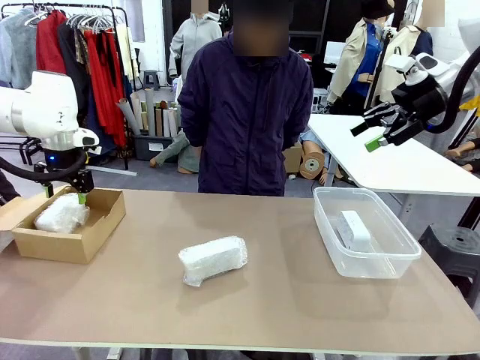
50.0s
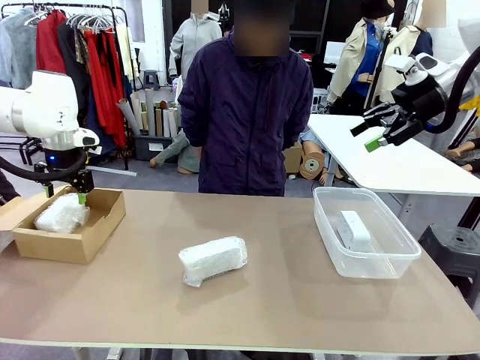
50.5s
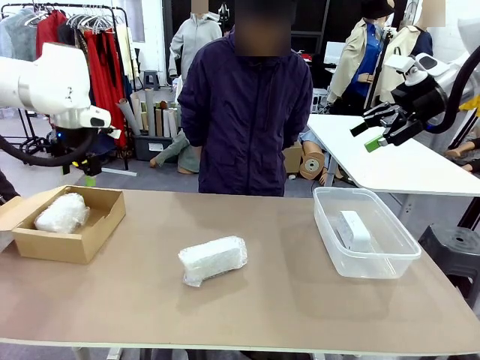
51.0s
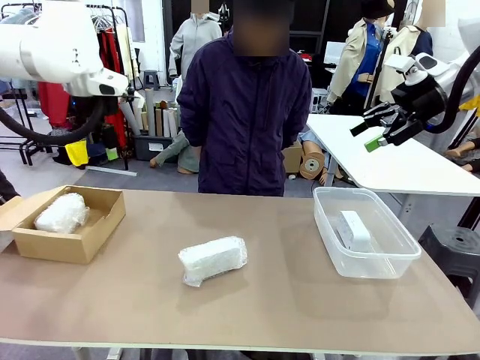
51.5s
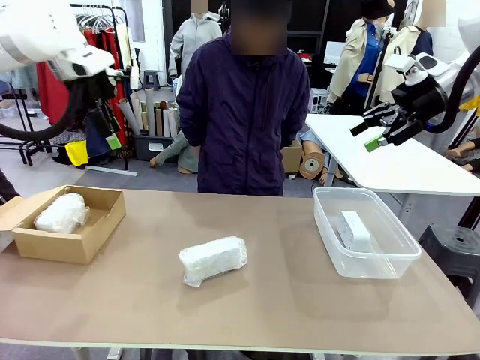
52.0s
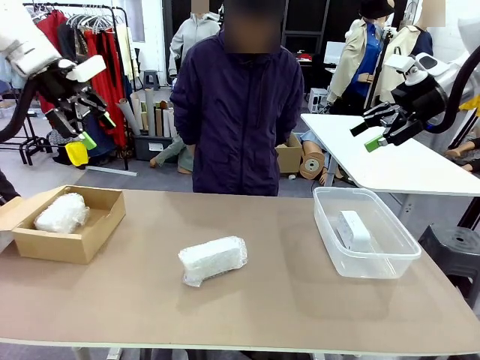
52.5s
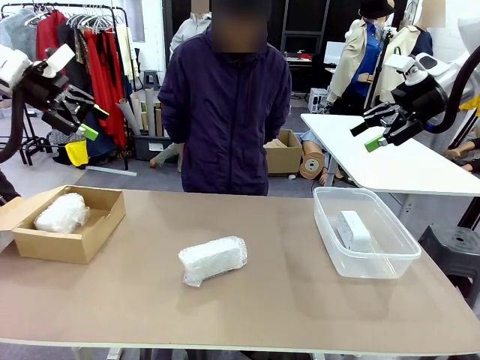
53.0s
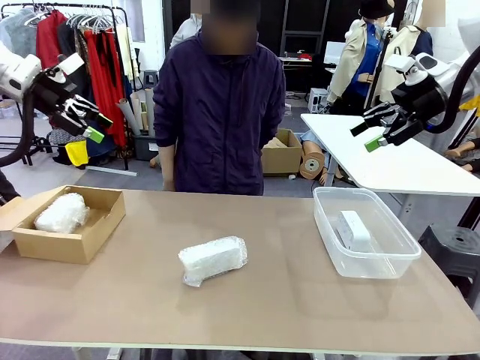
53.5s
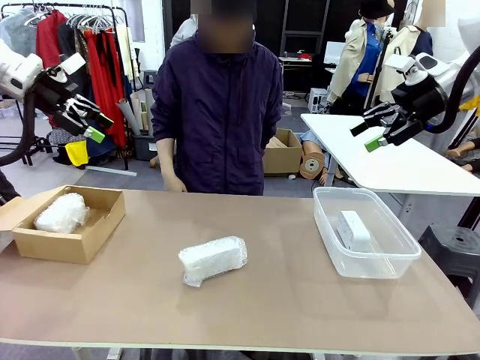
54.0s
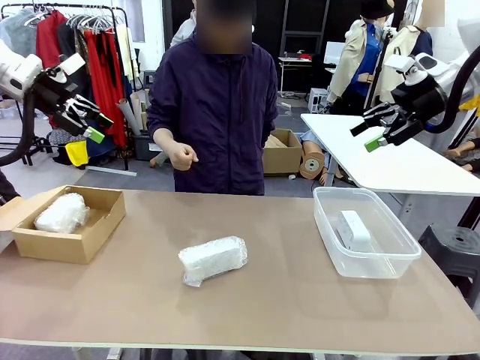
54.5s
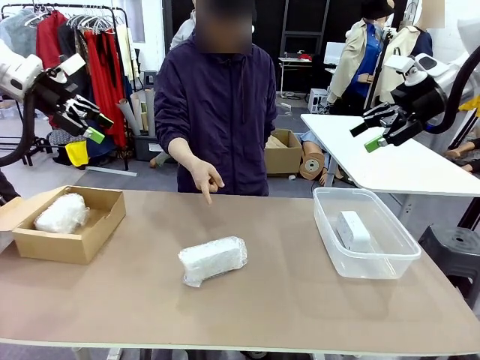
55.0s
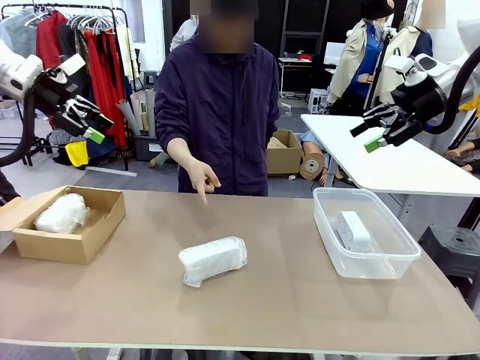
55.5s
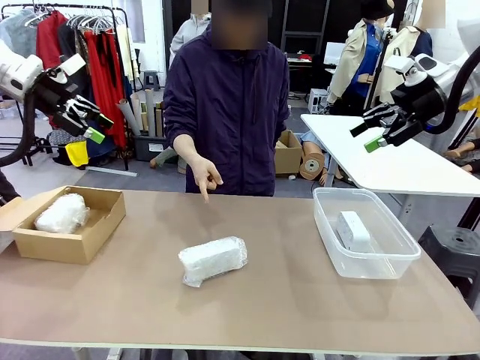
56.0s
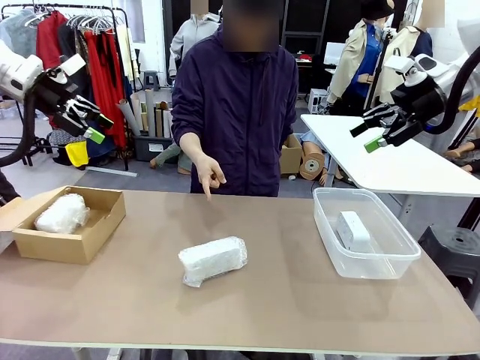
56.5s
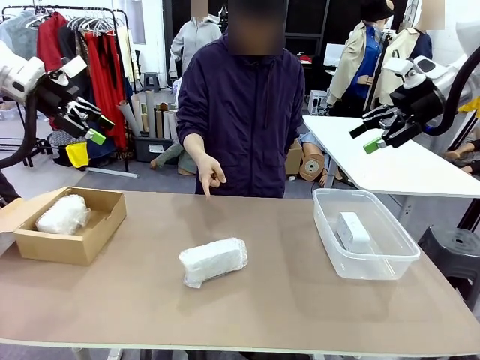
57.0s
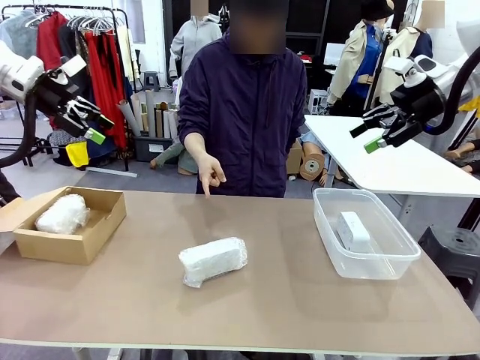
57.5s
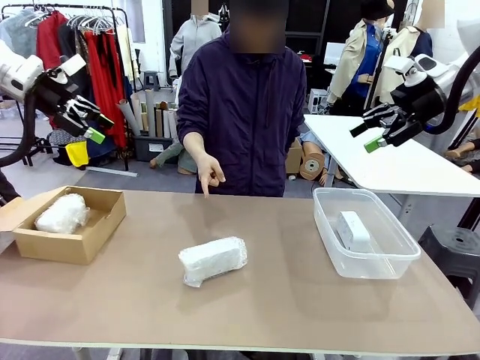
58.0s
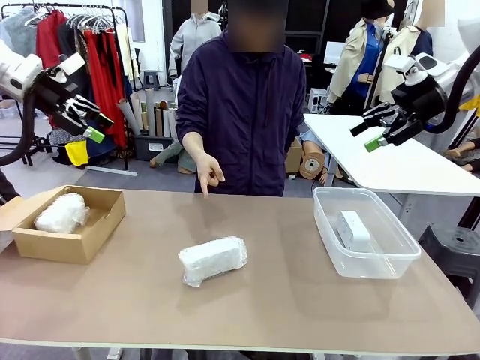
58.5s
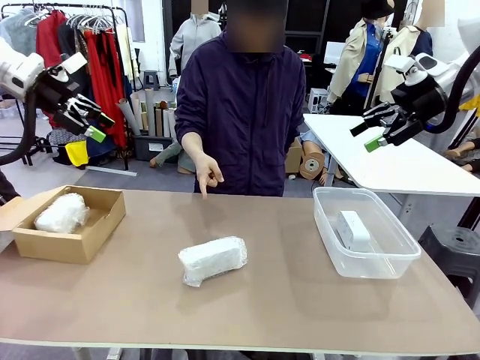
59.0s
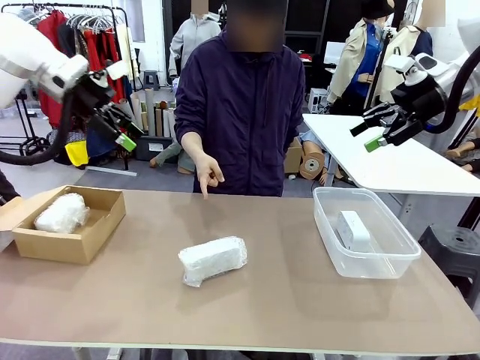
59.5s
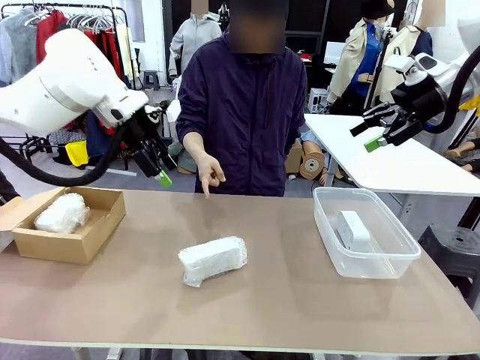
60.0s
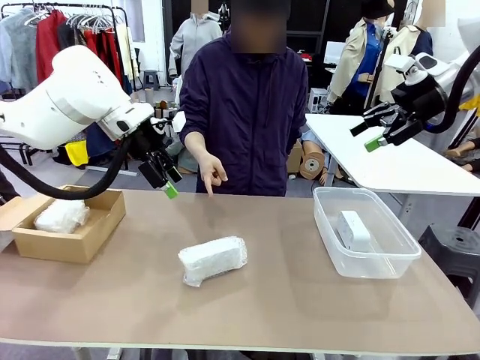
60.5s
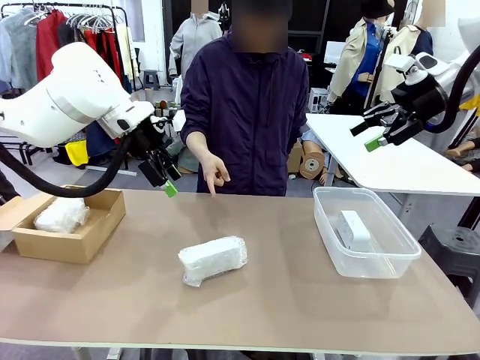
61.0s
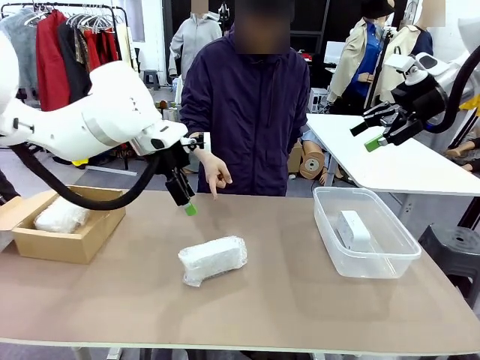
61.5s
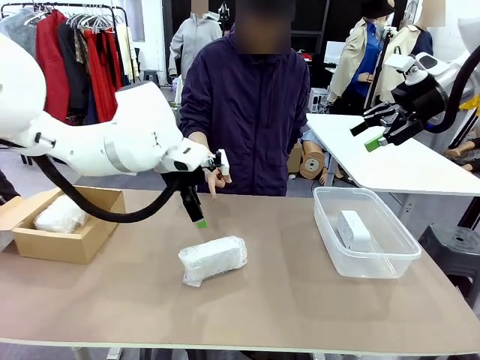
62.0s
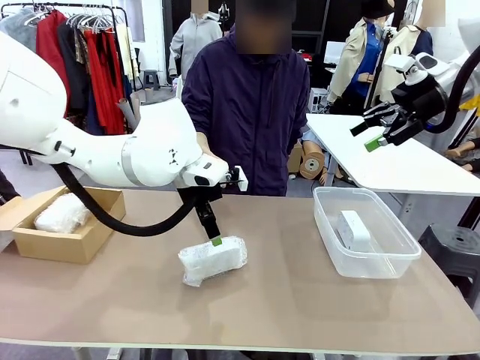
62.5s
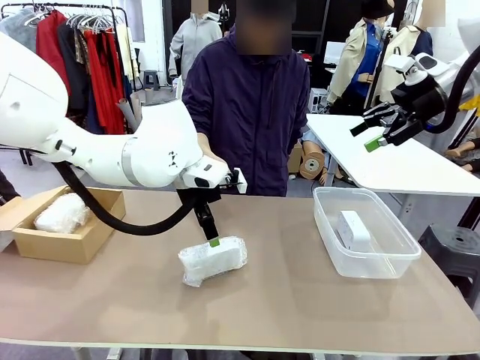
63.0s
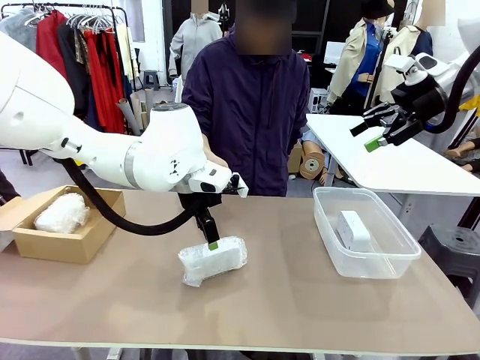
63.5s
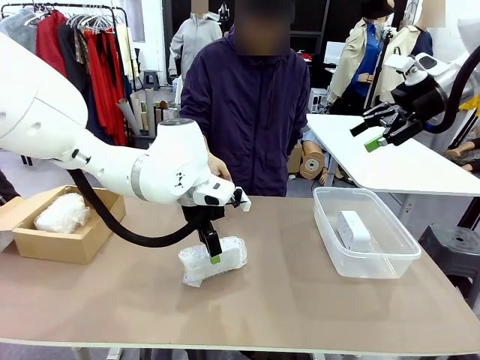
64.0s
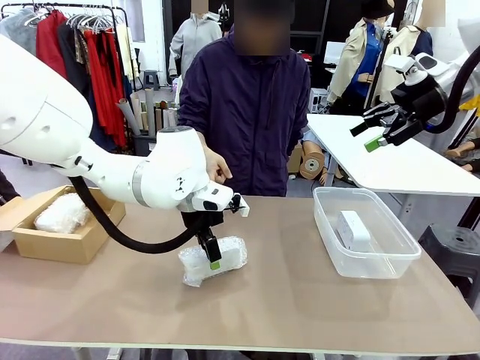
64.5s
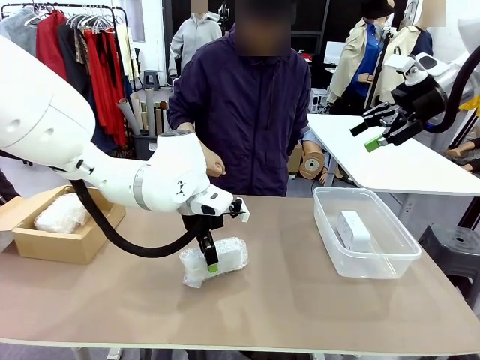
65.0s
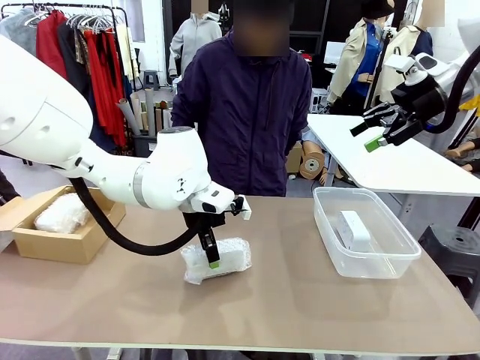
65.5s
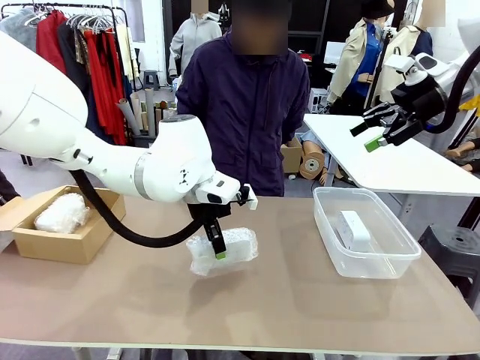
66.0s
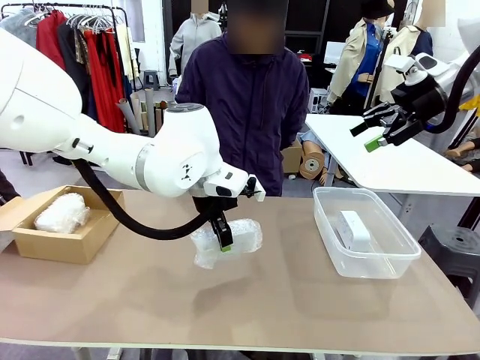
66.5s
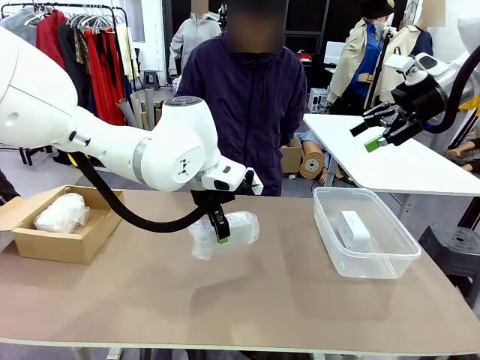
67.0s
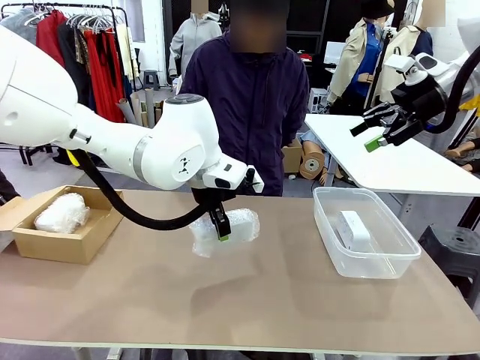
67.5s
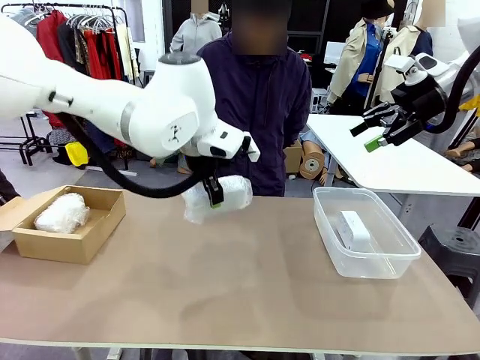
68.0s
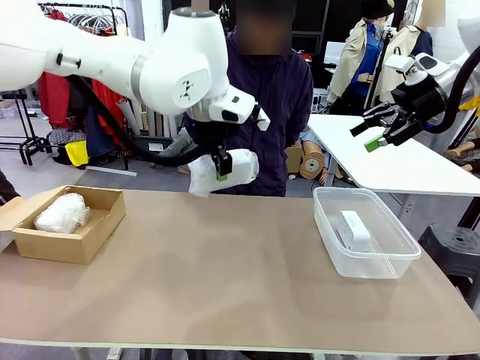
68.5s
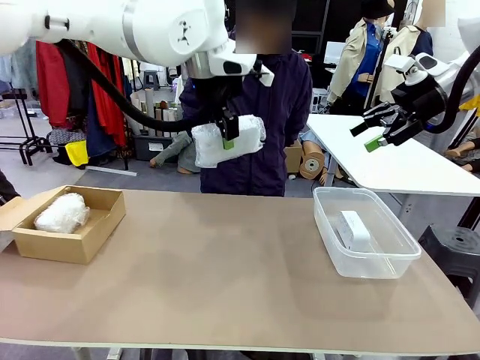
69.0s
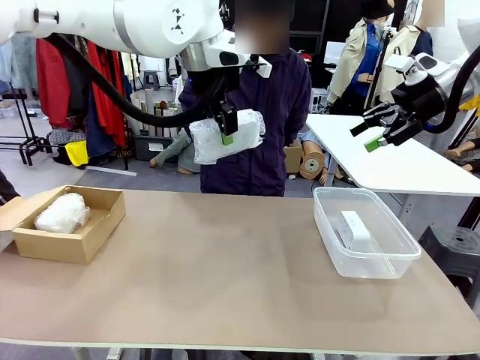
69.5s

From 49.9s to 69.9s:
Task: Separate and place wrapped and unwrapped clocks.
Robot: Pick up the Digital clock indicated by the person.

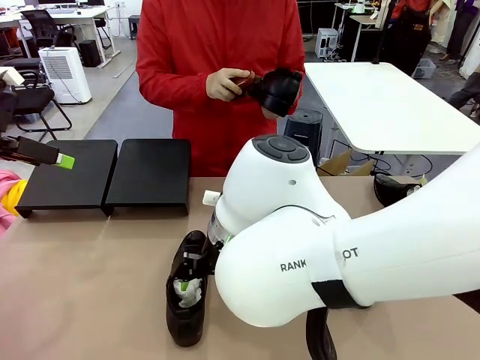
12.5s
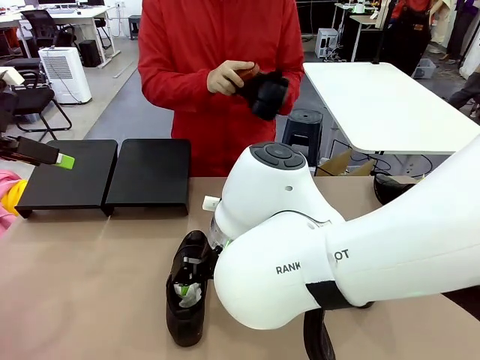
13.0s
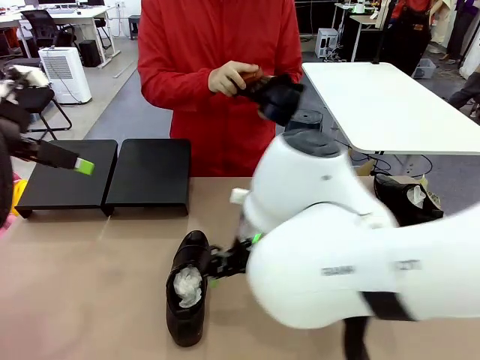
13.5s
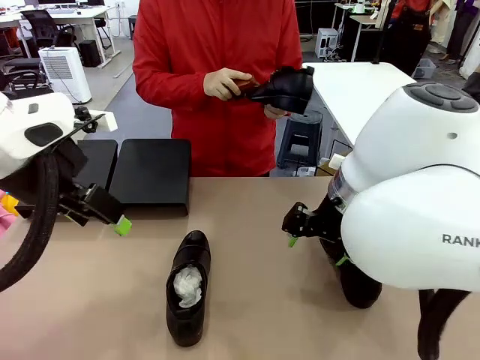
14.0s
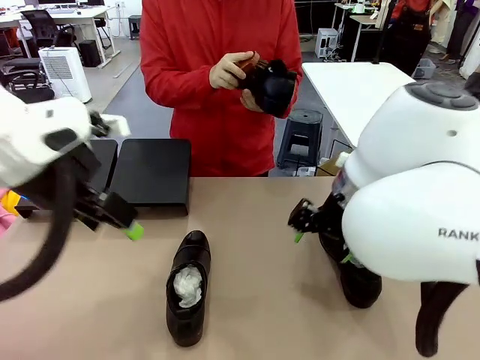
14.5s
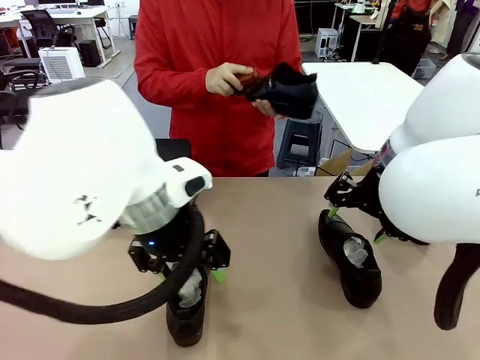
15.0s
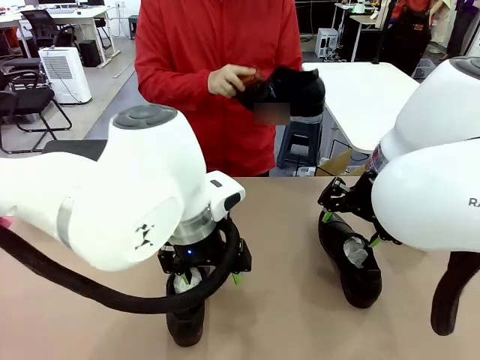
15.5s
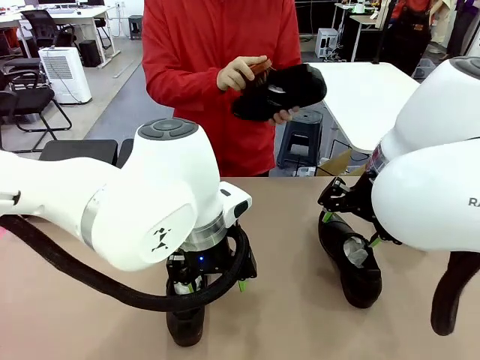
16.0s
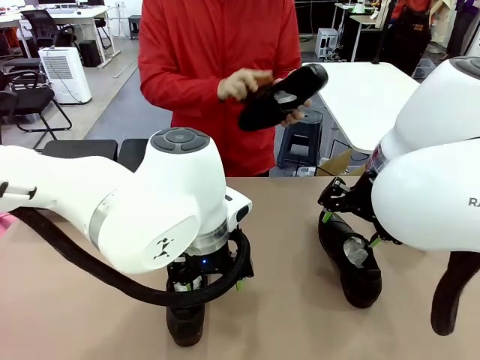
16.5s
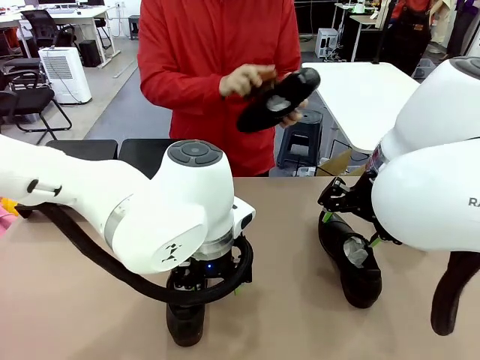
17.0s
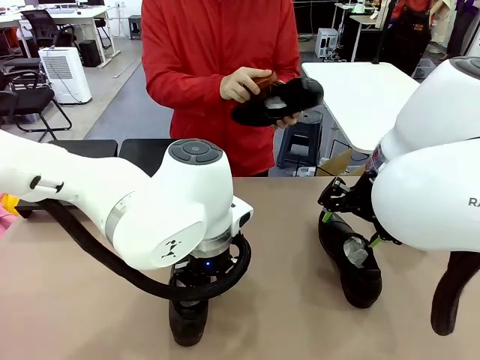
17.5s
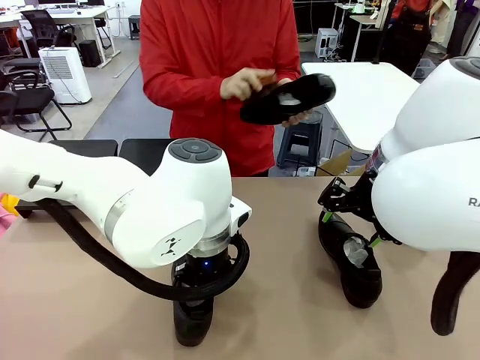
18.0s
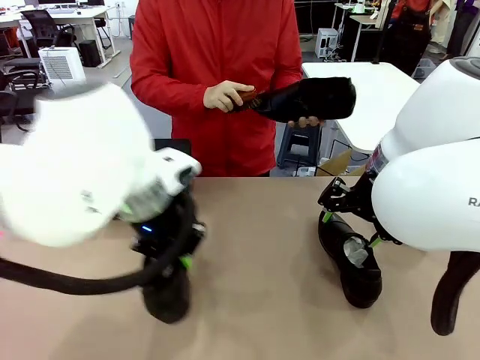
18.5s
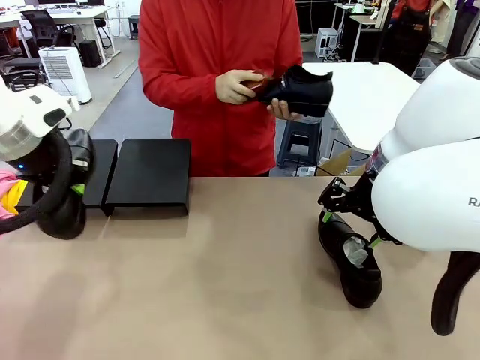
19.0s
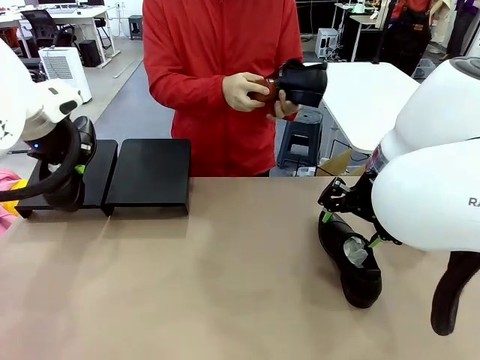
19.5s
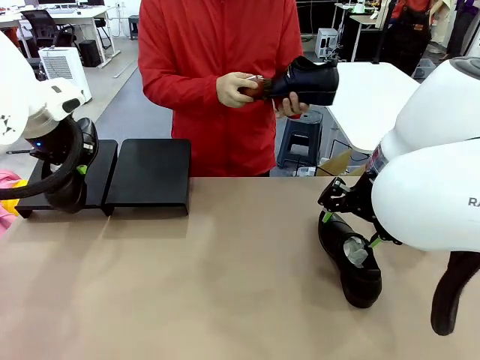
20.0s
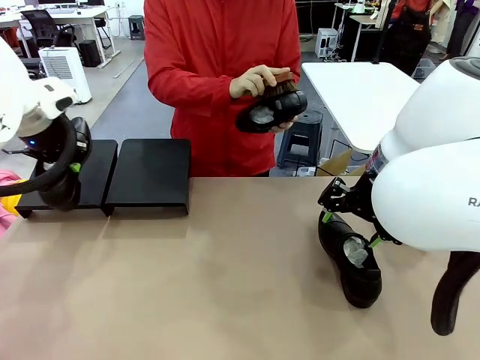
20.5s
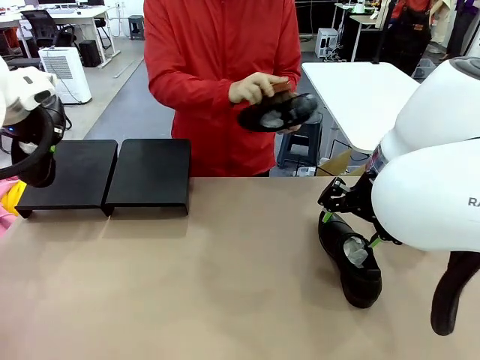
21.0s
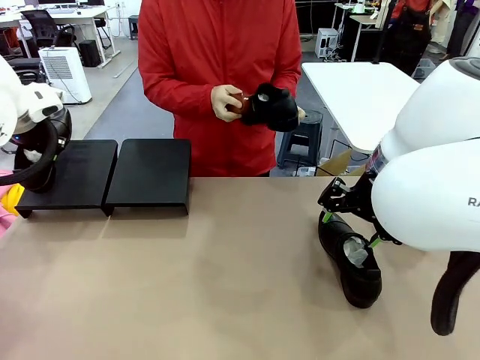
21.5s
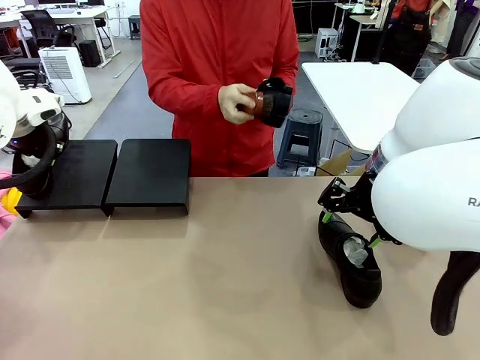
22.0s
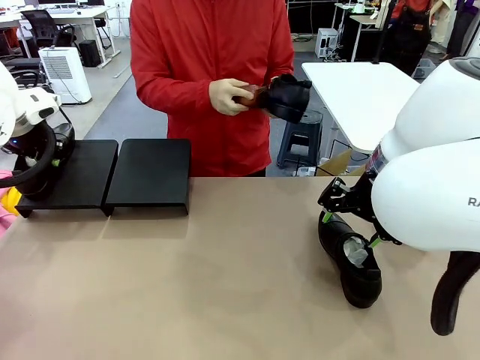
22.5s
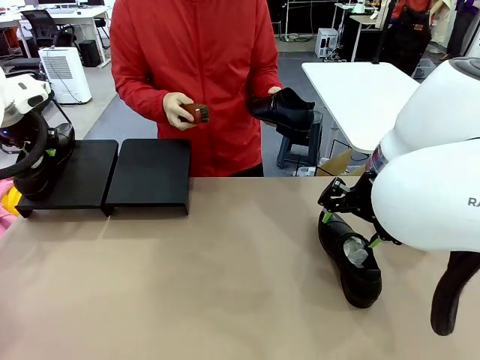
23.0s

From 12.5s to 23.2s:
Task: Organize the shoes by placing them on the stand.
Robot: Place the Shoe from the middle of the table onto the Shoes Stand.
Person: Clean the Shoe with the Shoe Brush.
